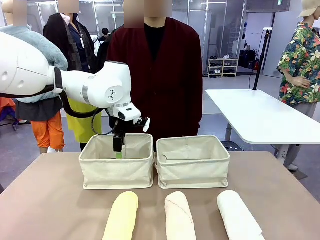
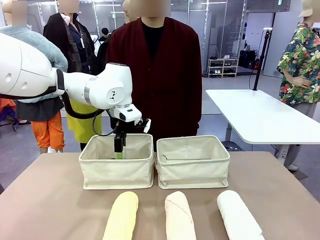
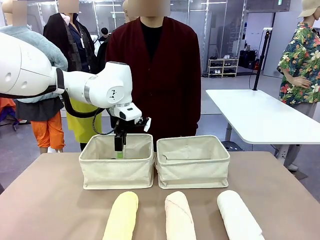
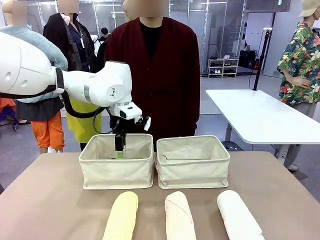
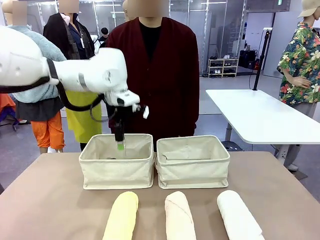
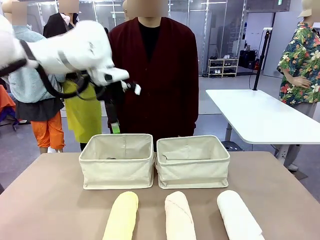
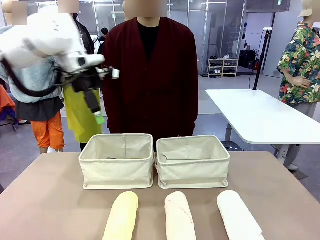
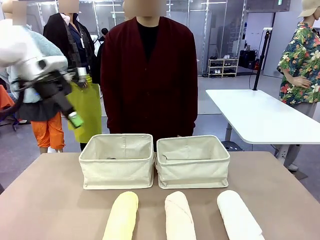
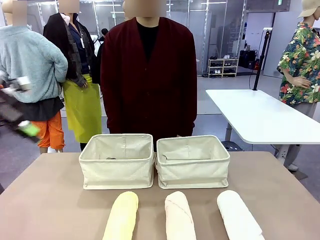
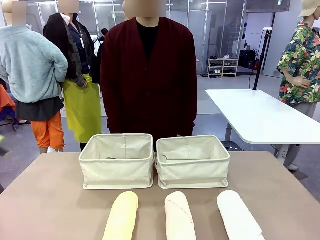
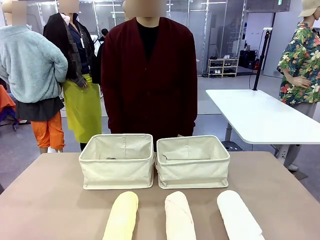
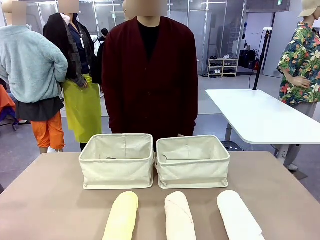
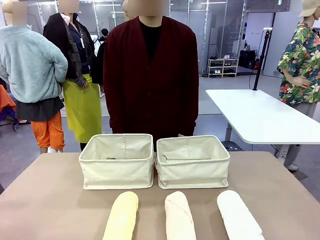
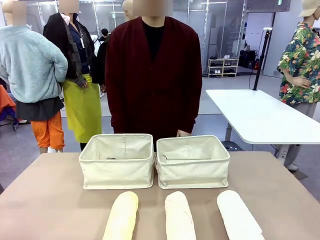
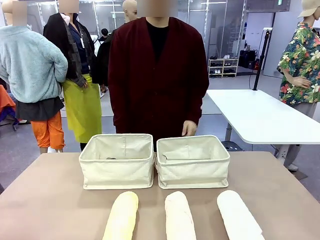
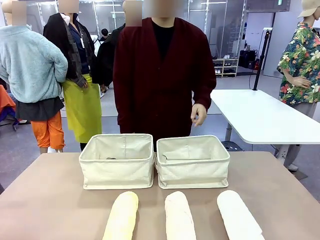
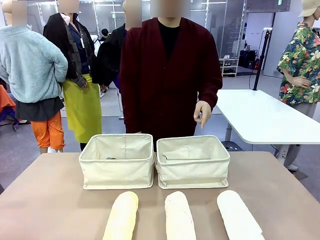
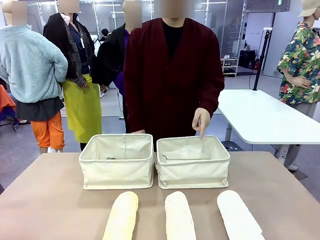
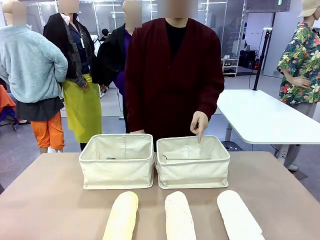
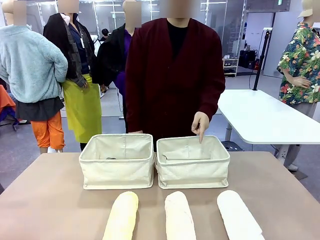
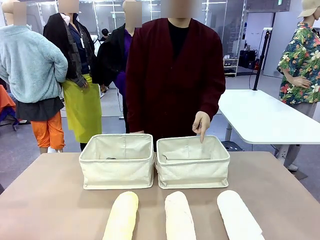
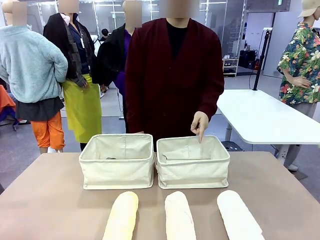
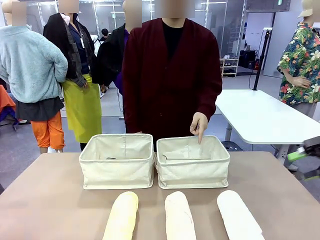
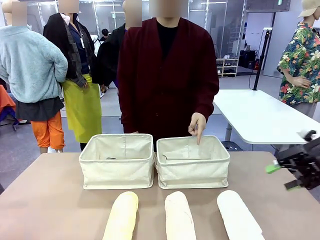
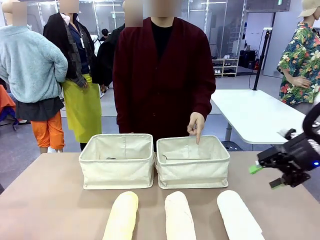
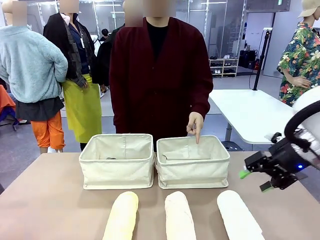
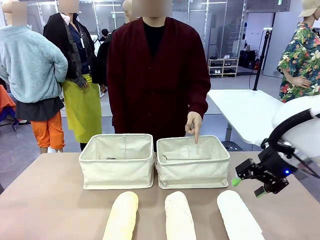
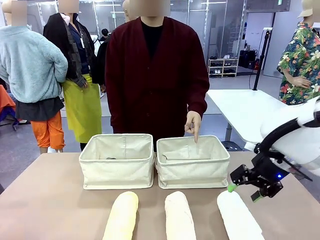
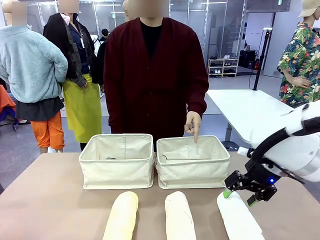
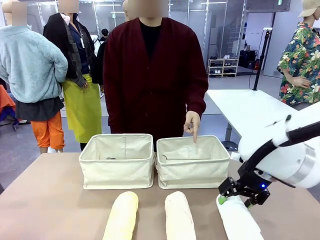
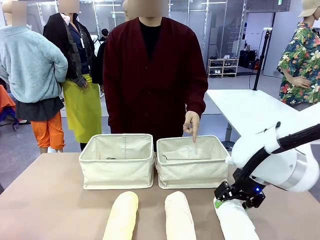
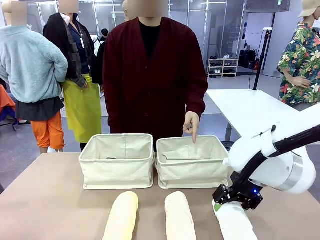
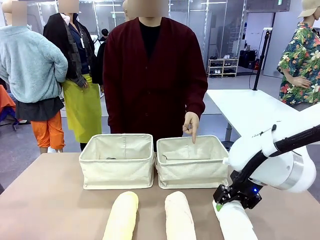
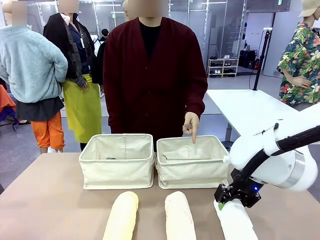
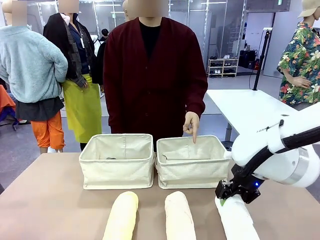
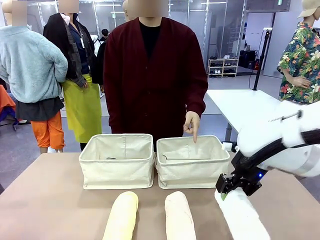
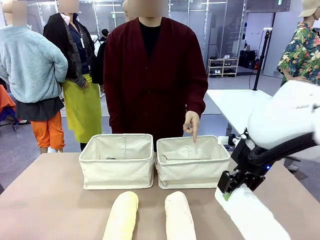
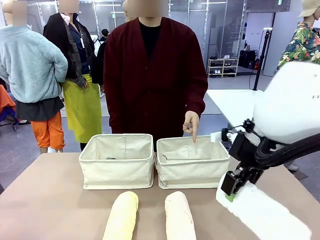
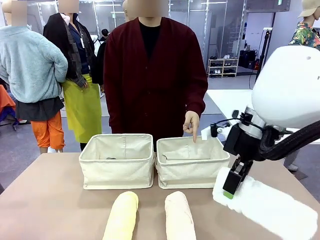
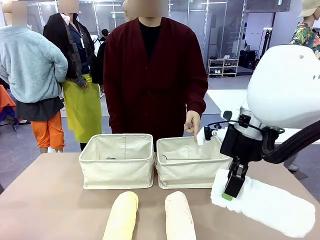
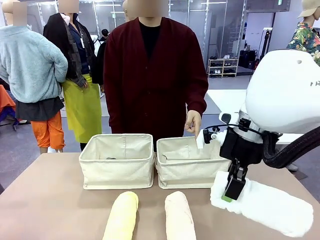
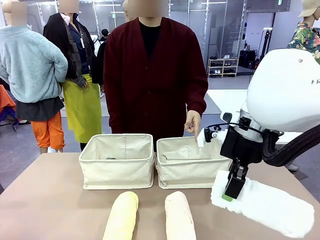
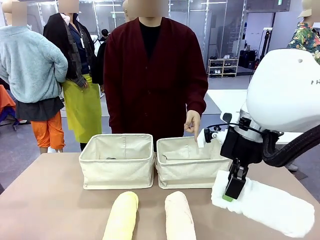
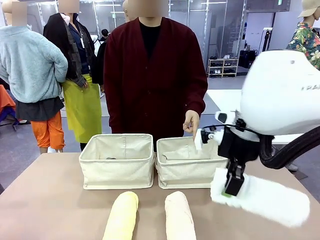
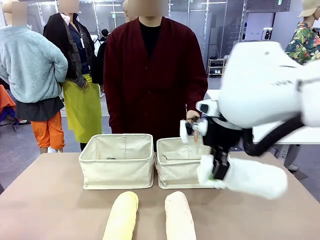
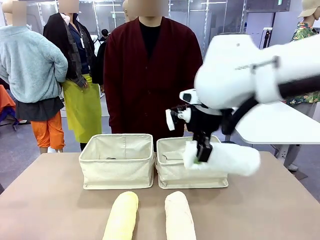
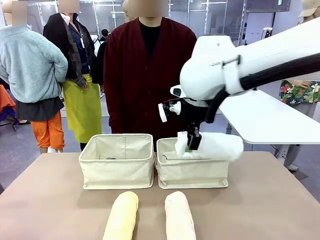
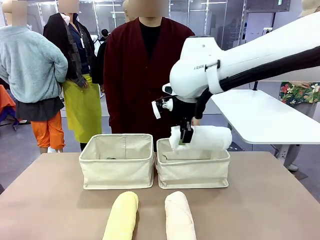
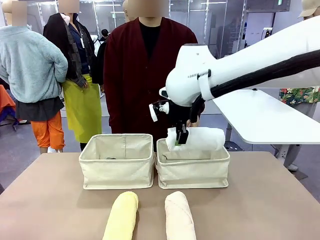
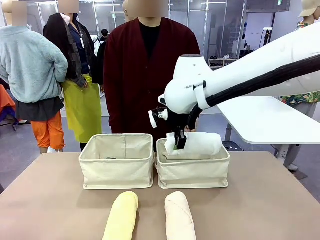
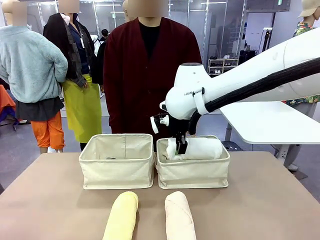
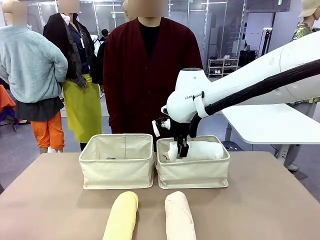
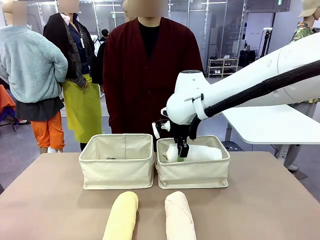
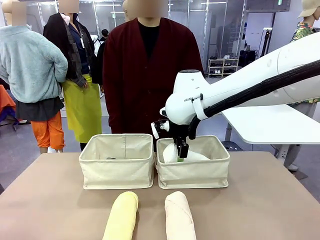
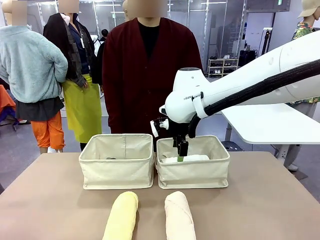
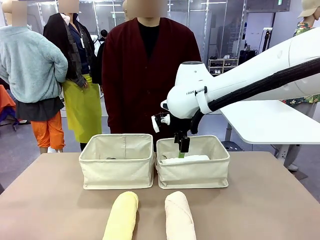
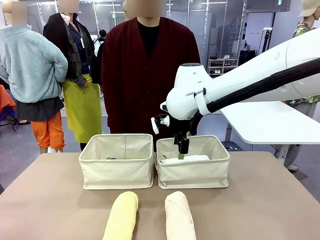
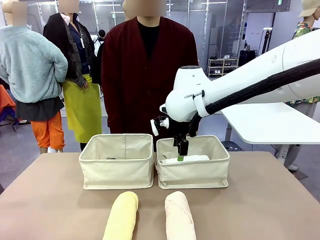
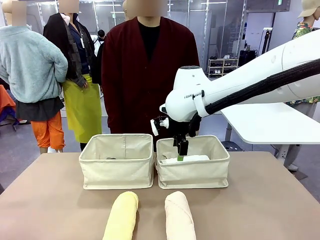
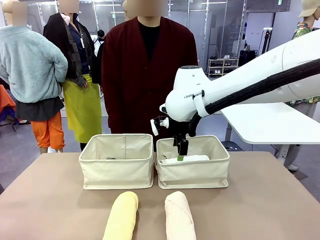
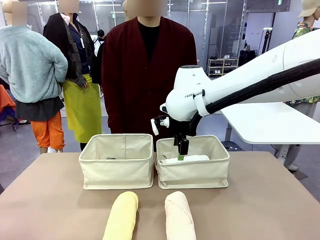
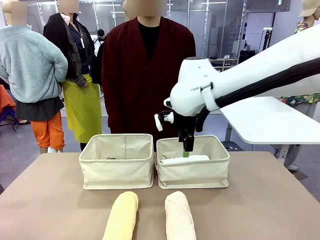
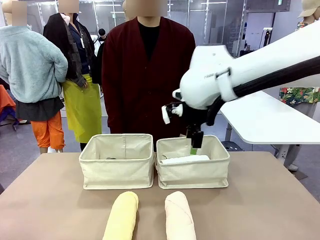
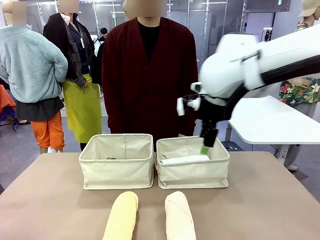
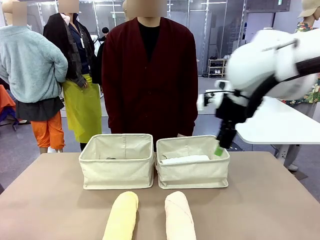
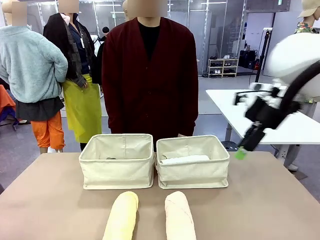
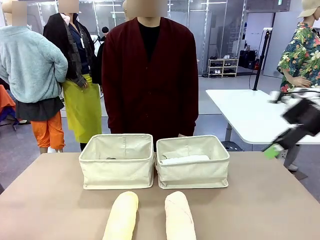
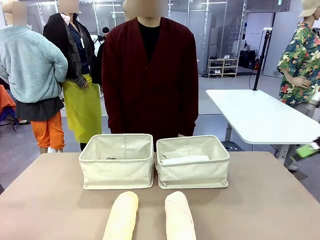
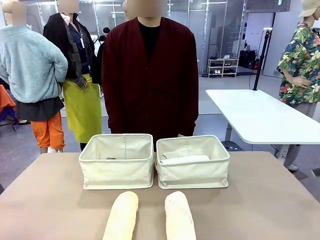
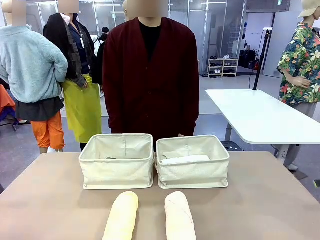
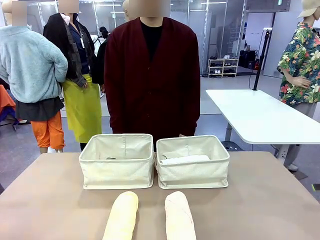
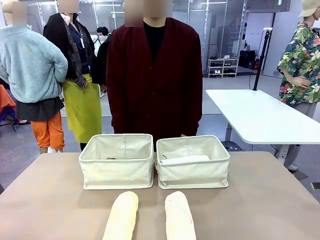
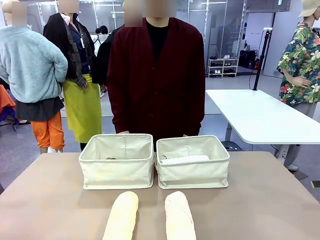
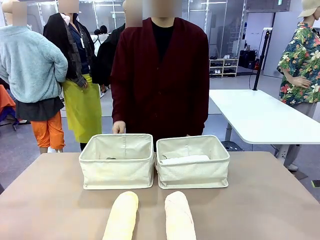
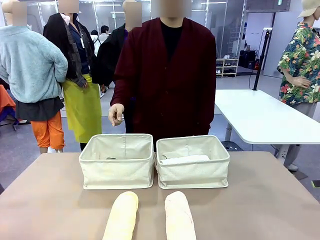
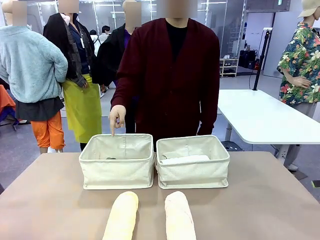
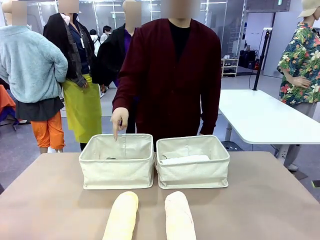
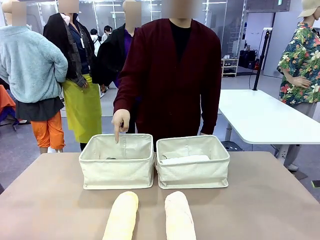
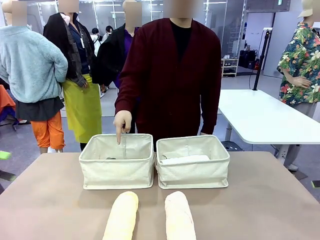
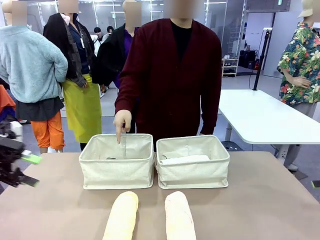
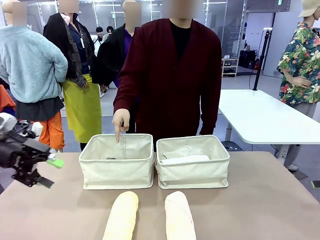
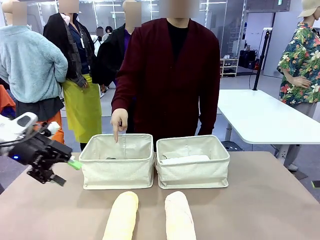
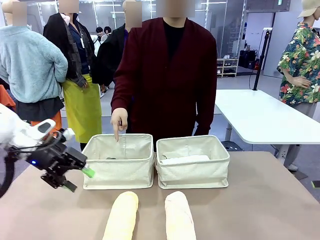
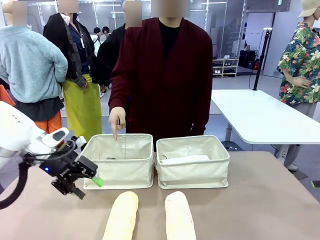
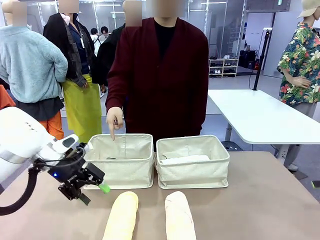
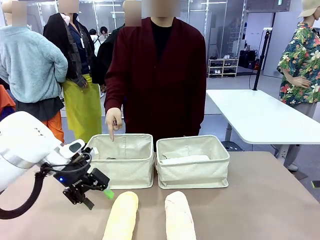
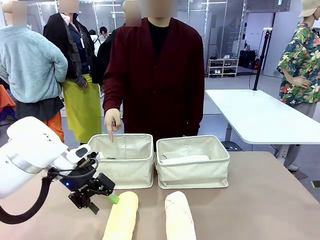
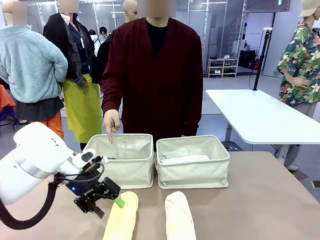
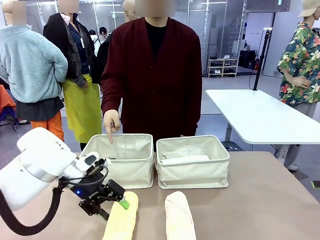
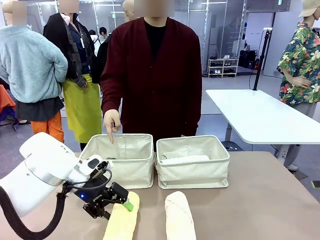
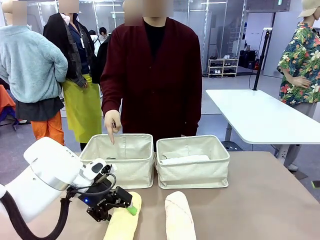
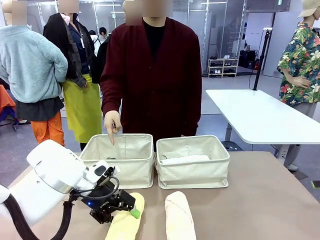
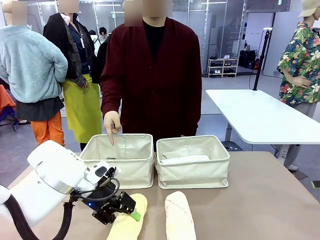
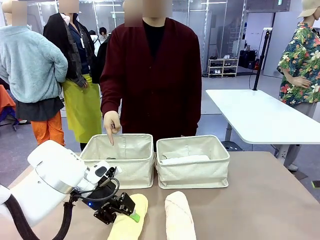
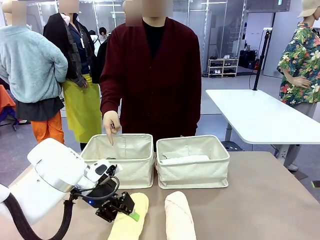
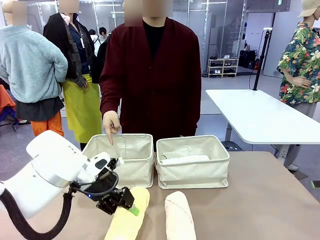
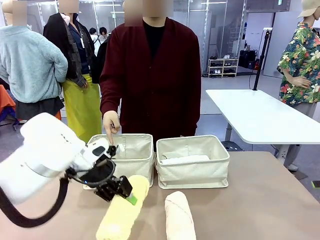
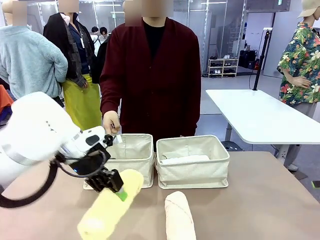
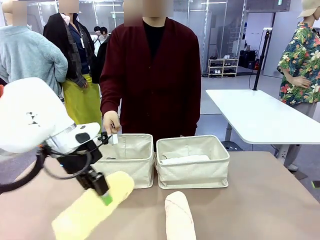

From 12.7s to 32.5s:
Task: Divide the towels into two baskets.
Robot: Pick up one hotel-folded towel from the bottom of the table and place it in the Fabric basket indicated by the person.
